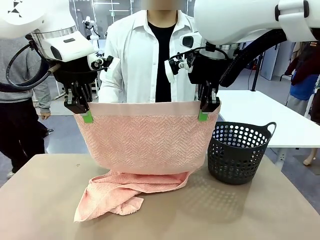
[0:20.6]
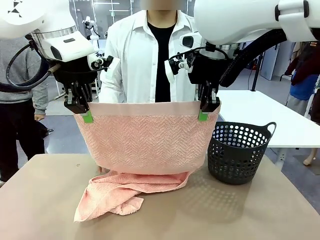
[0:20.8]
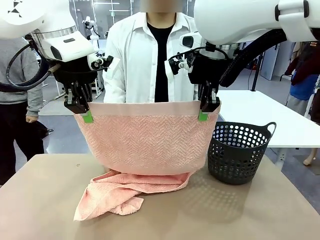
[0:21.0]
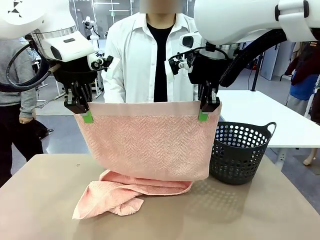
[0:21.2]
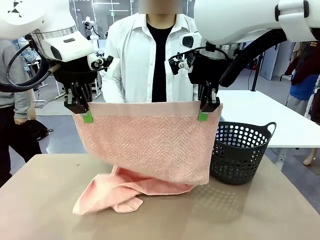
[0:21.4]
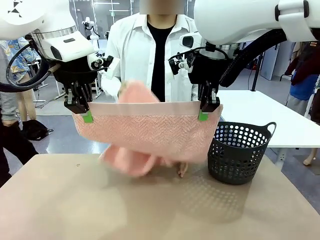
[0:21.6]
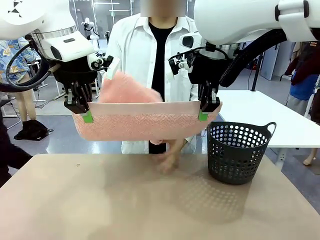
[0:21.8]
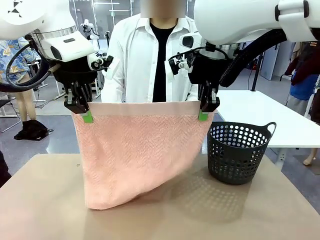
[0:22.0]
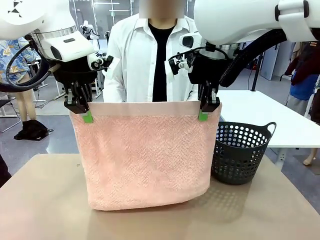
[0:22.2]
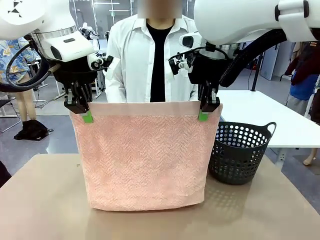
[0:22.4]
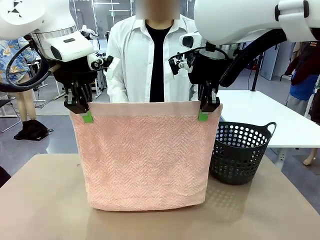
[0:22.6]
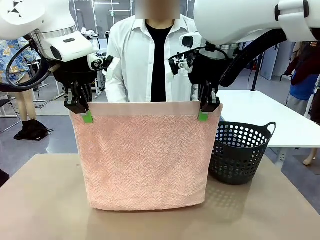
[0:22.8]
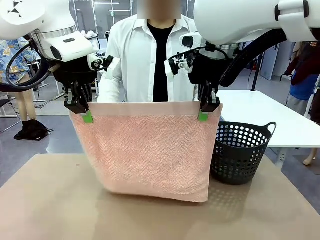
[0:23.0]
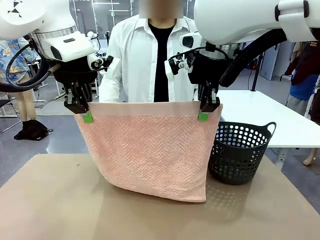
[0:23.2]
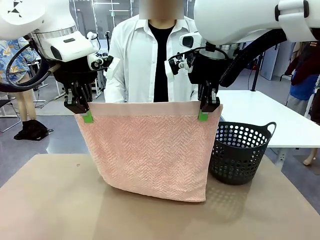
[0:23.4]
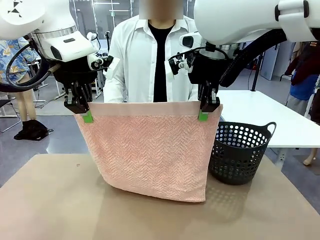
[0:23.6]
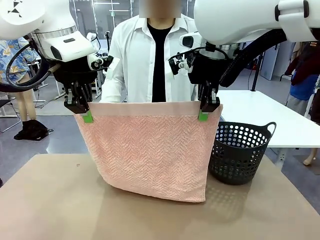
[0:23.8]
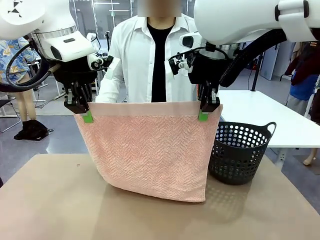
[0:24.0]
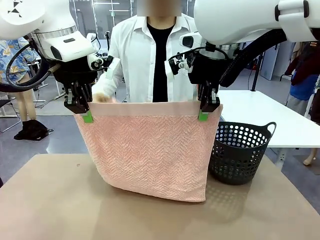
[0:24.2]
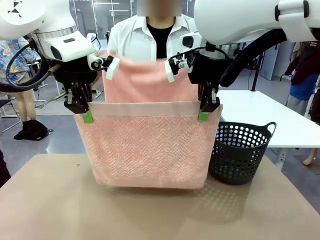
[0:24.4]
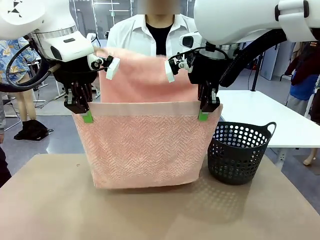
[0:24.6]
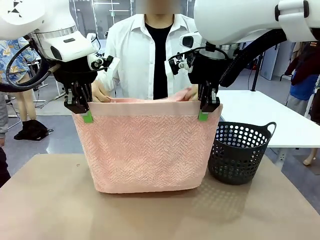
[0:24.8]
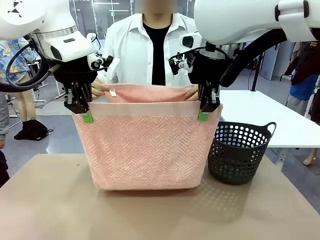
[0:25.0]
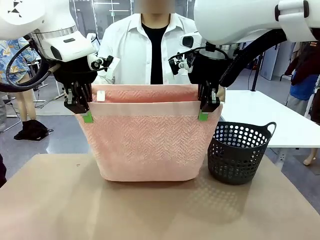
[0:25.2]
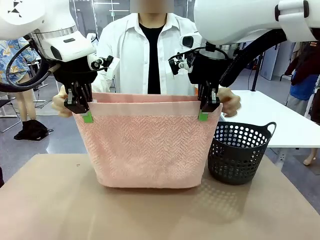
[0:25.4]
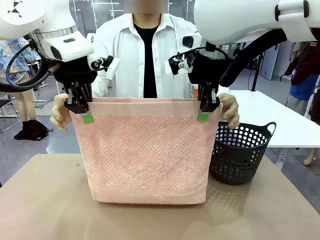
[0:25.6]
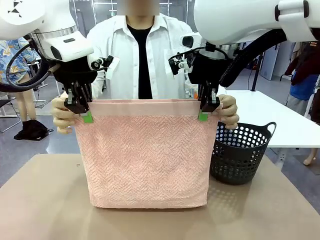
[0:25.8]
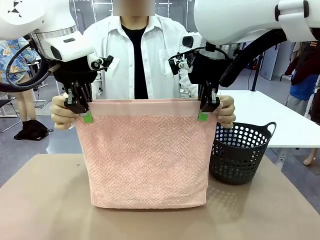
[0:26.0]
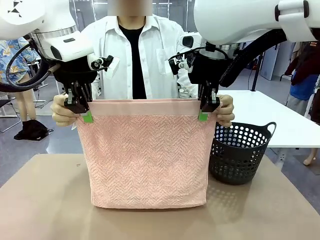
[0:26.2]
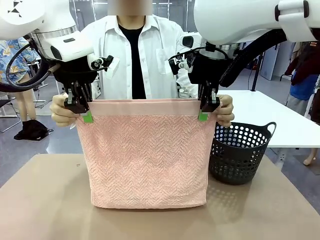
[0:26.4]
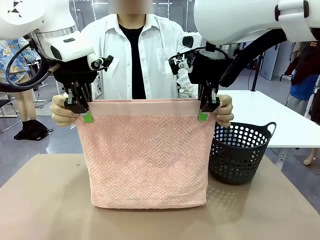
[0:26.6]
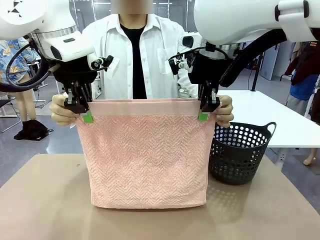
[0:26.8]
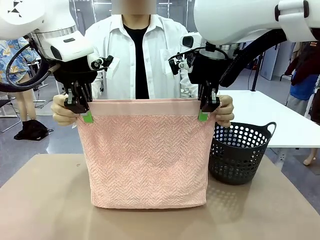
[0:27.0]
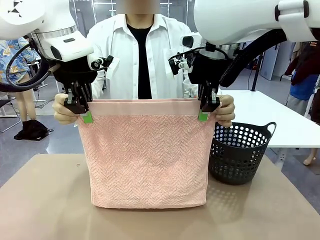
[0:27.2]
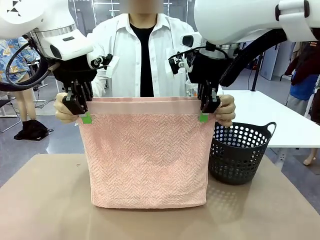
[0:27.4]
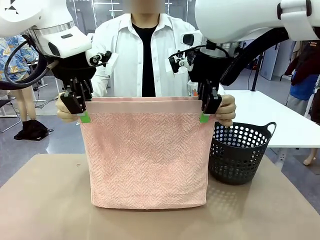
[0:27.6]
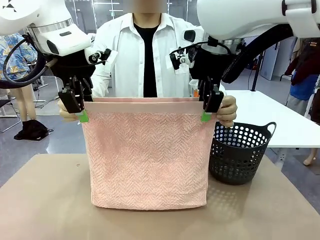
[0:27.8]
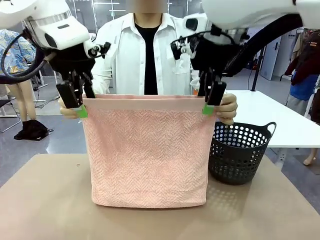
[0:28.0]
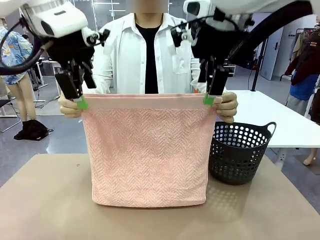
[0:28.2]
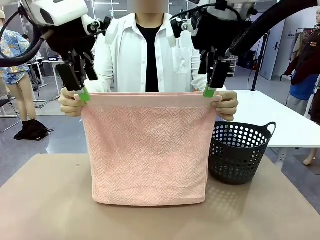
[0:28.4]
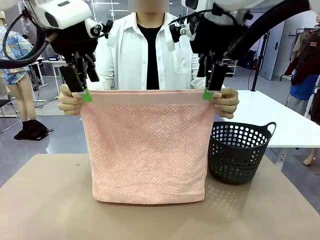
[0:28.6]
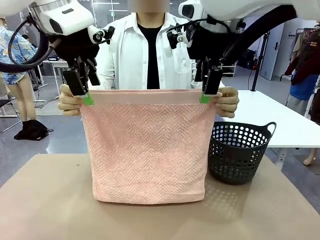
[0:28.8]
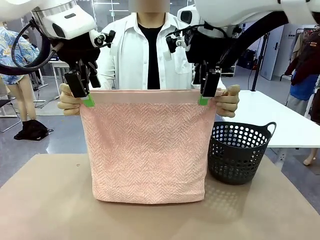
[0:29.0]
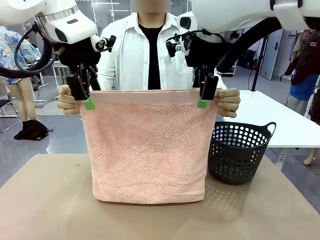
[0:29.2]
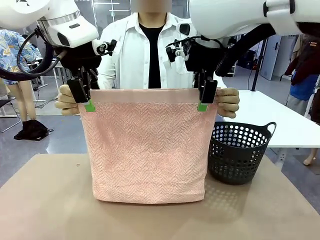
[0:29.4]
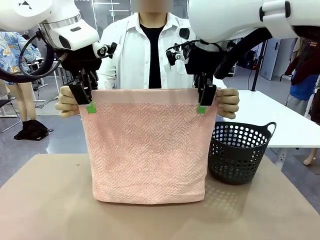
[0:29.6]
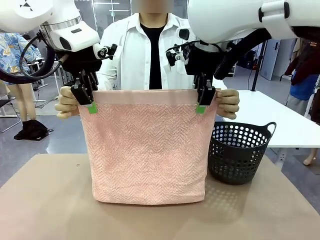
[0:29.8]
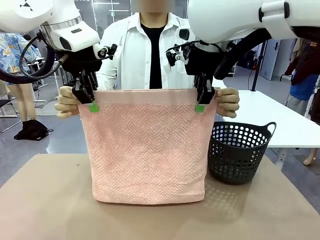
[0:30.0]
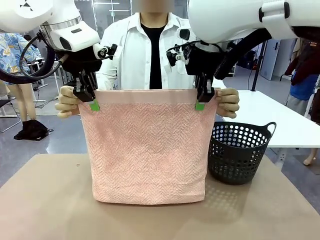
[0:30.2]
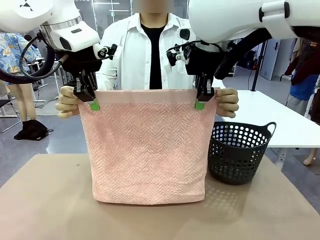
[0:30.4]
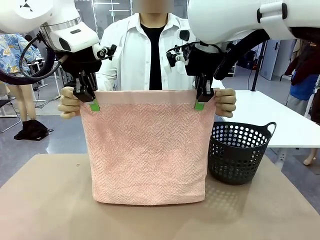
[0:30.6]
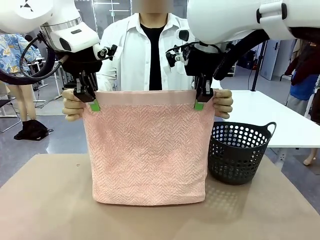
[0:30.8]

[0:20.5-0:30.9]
Task: Fold the towel.
Robot: Release the end of the 100 cm Hotel Towel you were holding and grab the top end of the folded side.

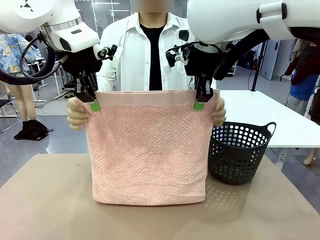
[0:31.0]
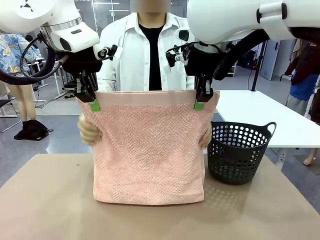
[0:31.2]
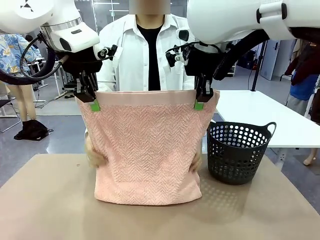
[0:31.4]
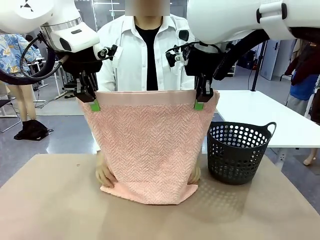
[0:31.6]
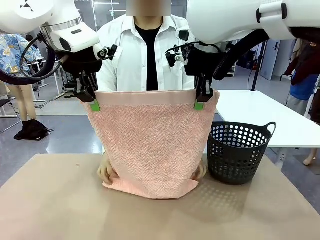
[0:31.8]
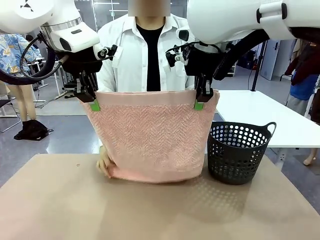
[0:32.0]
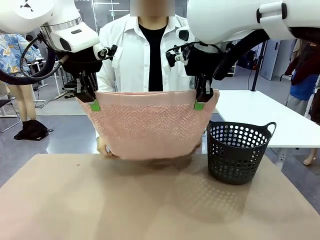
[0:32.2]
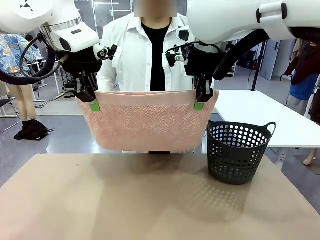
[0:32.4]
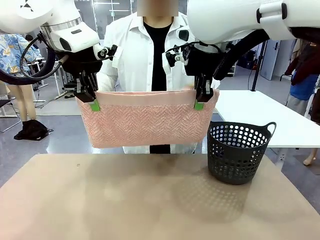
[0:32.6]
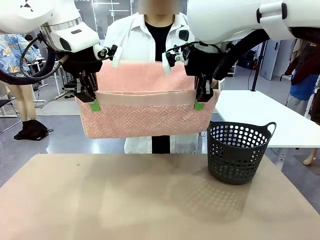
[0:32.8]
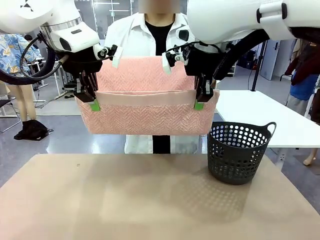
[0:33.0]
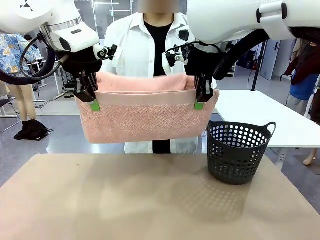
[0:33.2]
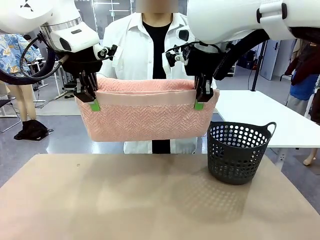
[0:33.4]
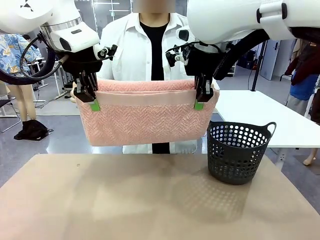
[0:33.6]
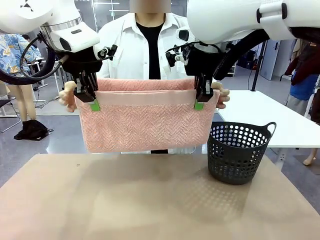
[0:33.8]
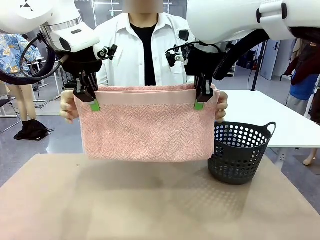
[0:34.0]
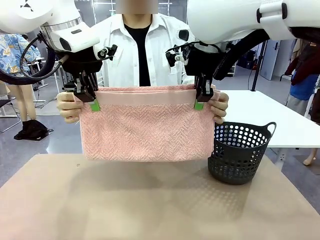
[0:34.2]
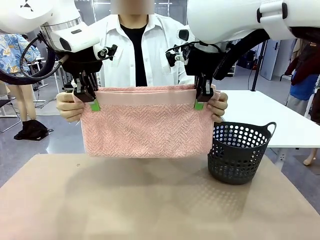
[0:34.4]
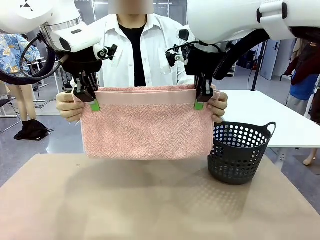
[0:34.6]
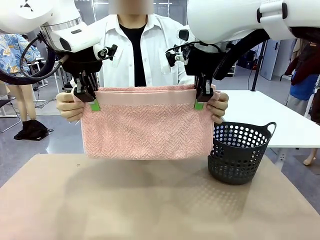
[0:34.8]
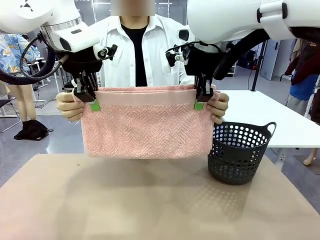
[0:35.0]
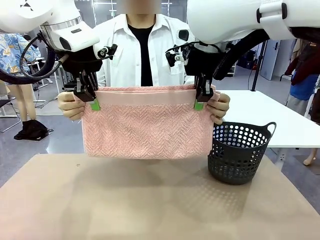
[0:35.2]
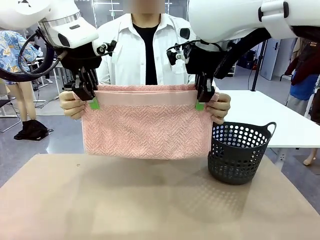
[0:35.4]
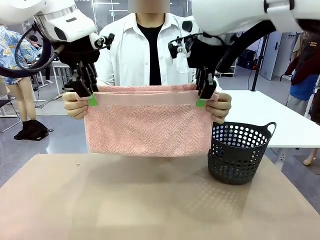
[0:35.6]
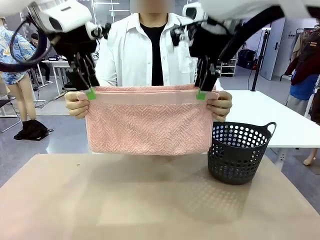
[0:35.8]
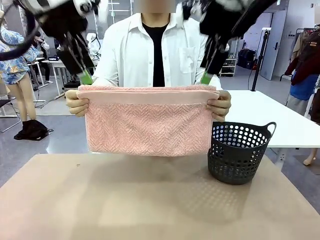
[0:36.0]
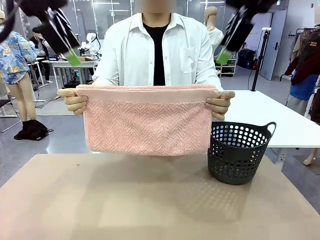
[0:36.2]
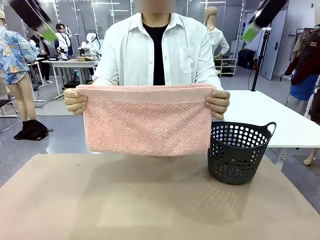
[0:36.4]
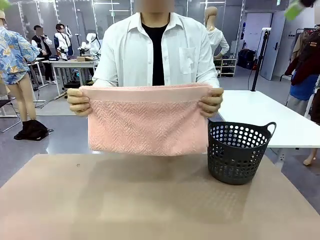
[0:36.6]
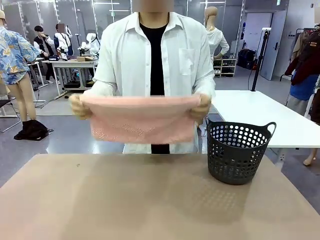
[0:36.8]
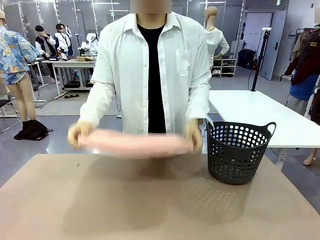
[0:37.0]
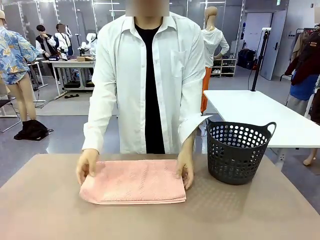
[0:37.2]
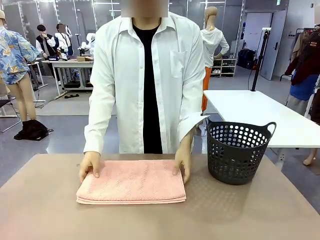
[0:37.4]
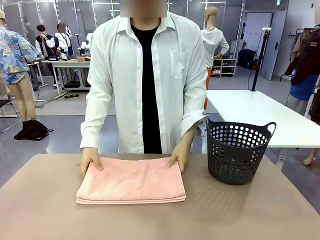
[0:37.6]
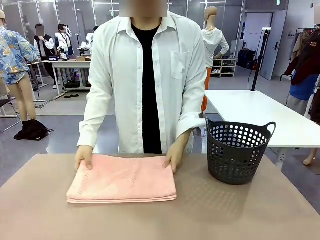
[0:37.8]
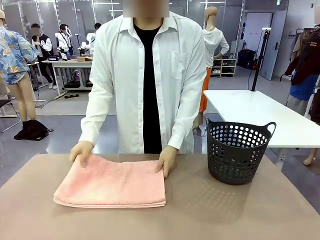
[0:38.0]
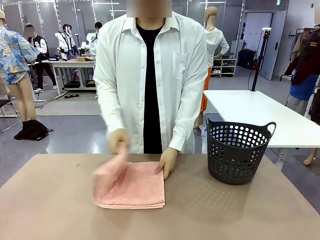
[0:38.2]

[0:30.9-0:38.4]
Robot: Release the end of the 100 cm Hotel Towel you were holding.
Person: Place the towel at the center of the robot table and fold it in half.

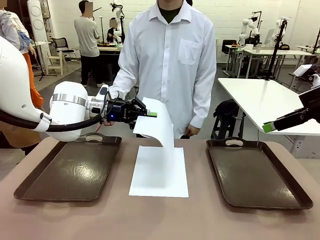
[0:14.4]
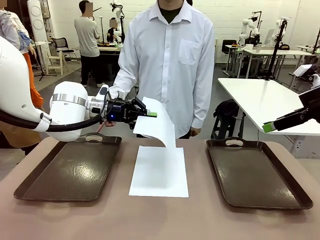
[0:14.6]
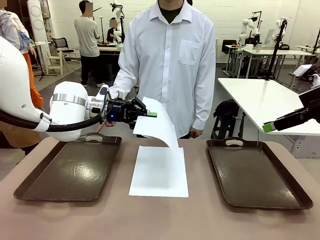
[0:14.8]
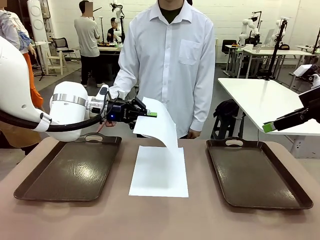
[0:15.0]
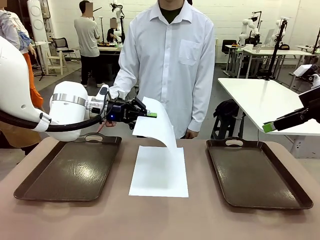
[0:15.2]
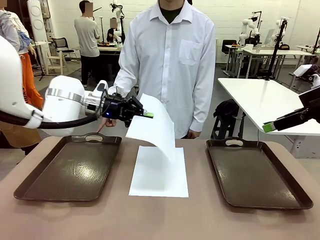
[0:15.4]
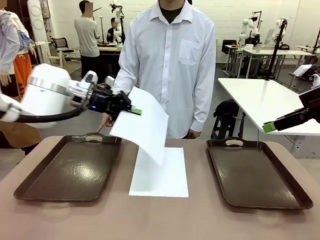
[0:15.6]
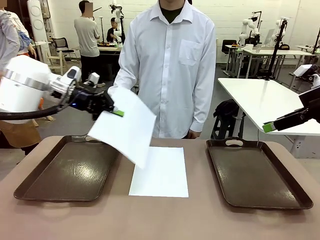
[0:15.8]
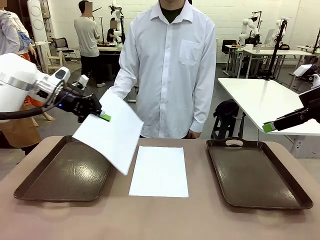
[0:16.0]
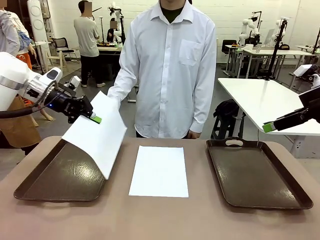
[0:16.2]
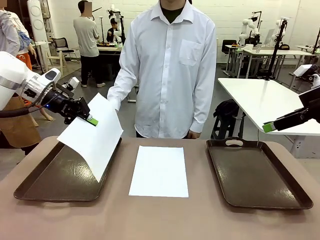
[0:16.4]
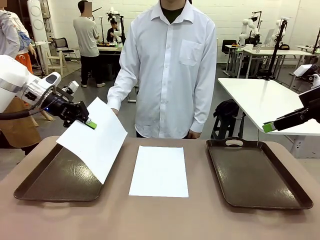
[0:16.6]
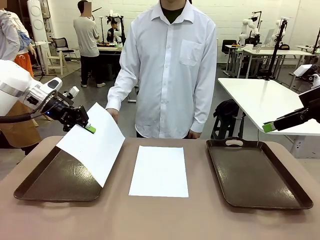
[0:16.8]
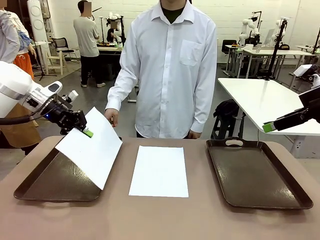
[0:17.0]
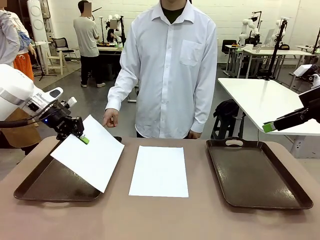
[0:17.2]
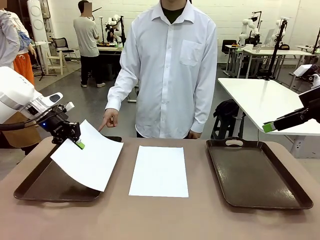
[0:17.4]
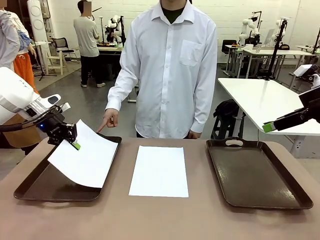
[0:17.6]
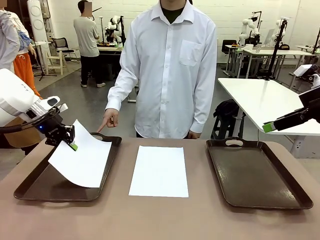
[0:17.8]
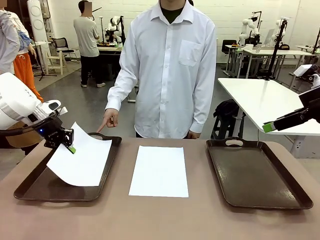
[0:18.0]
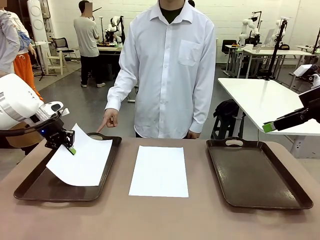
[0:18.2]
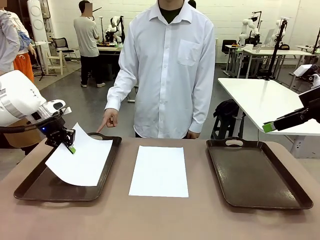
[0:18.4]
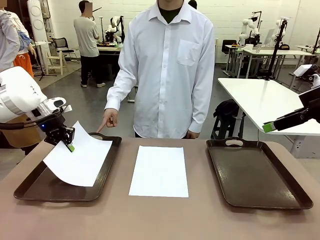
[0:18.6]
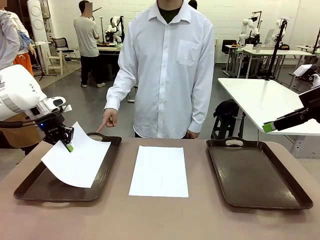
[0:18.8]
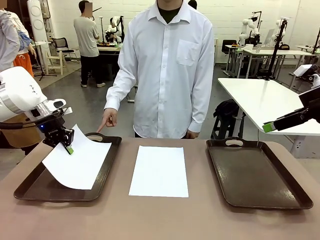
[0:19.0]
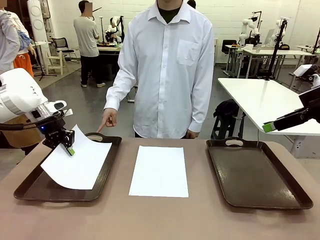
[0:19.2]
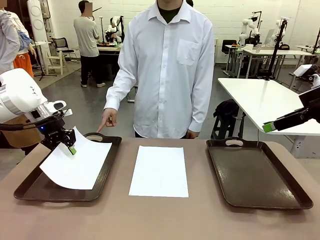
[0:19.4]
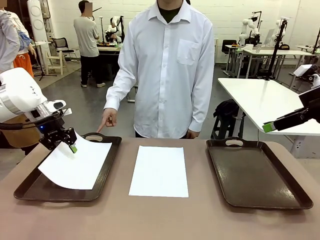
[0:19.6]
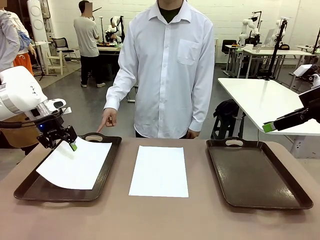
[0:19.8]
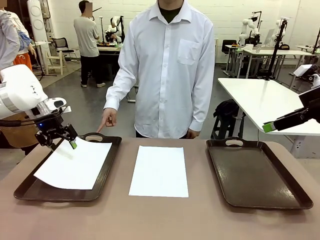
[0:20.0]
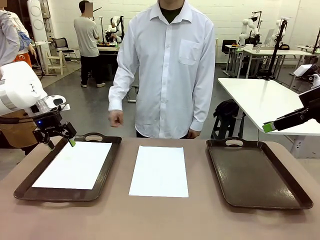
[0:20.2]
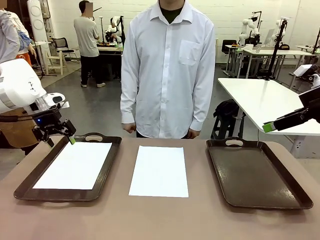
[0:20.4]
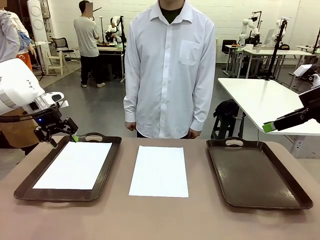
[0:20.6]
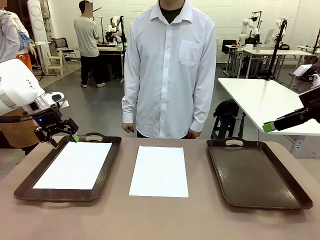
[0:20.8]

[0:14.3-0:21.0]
Task: Sort the A4 documents.
Robot: Place the A4 Paper in the designated Handle tray.
